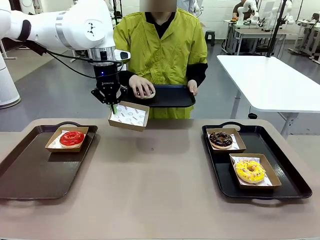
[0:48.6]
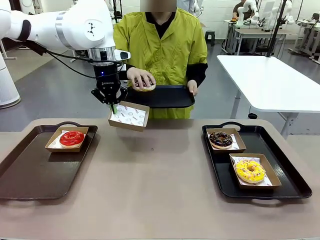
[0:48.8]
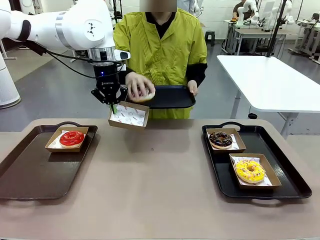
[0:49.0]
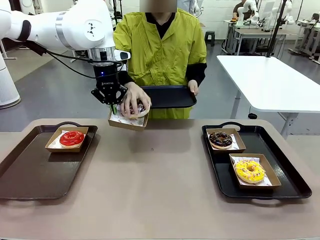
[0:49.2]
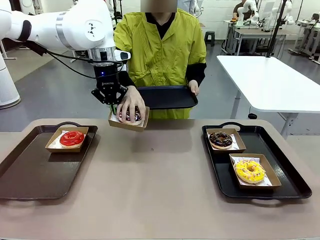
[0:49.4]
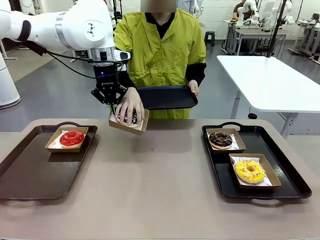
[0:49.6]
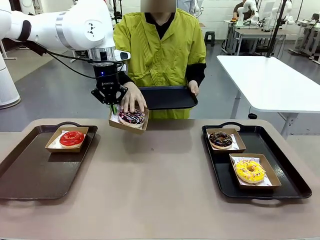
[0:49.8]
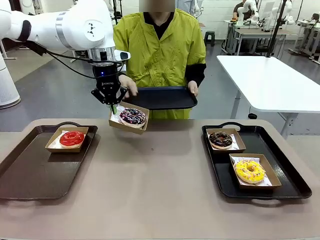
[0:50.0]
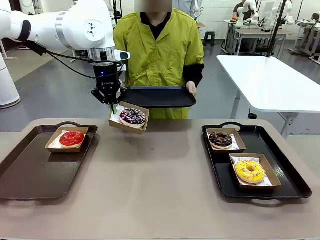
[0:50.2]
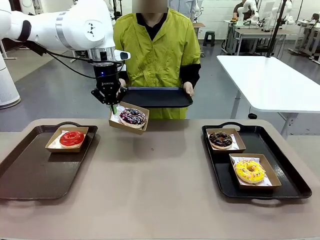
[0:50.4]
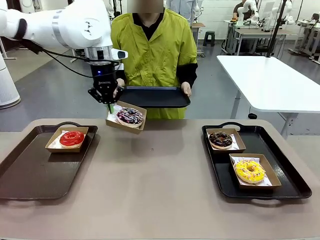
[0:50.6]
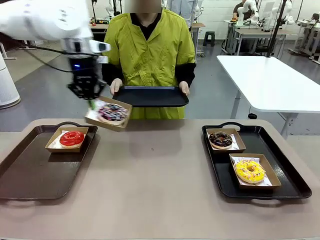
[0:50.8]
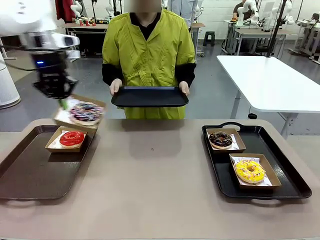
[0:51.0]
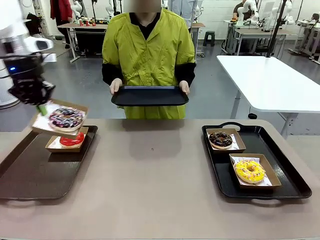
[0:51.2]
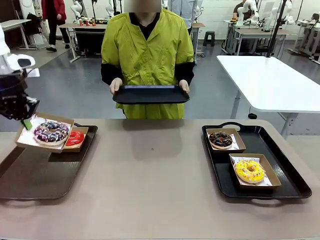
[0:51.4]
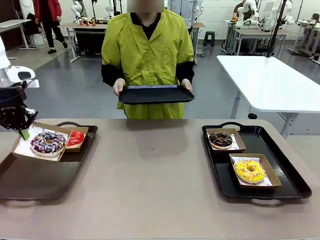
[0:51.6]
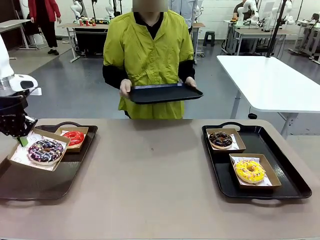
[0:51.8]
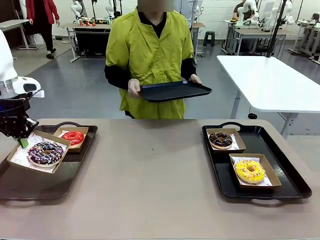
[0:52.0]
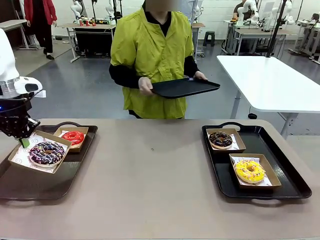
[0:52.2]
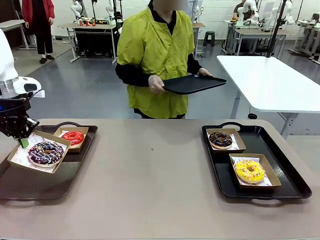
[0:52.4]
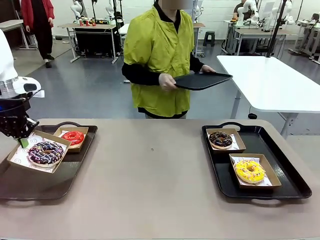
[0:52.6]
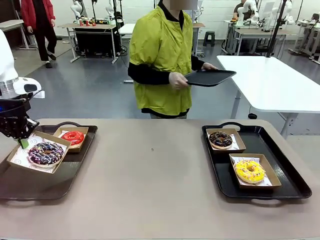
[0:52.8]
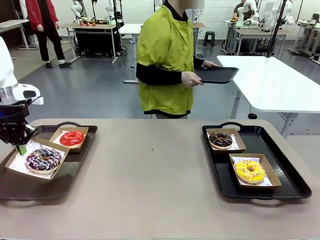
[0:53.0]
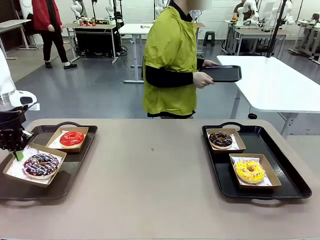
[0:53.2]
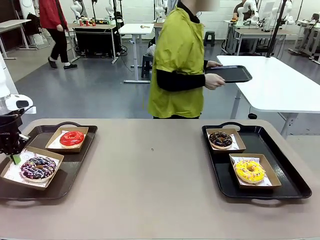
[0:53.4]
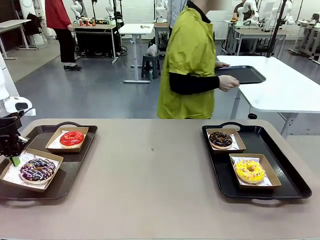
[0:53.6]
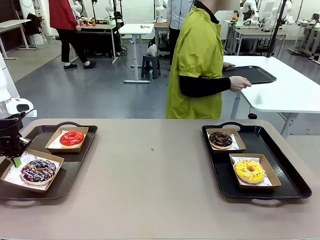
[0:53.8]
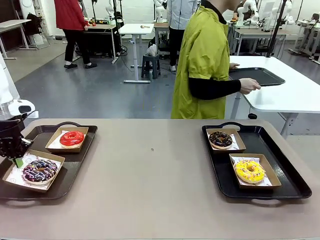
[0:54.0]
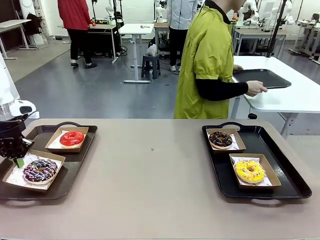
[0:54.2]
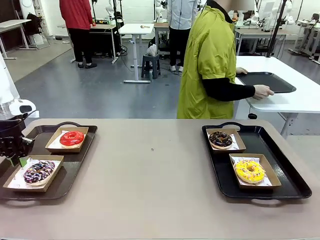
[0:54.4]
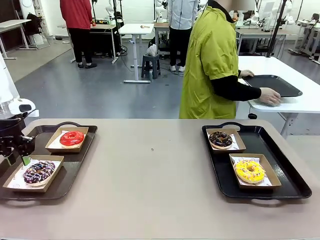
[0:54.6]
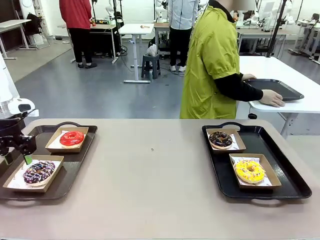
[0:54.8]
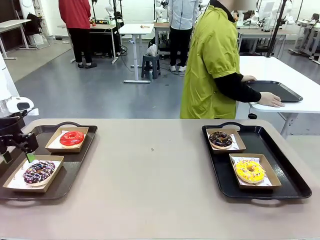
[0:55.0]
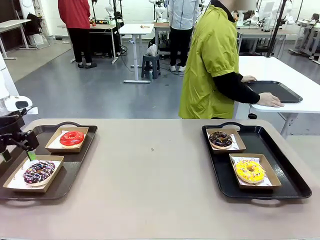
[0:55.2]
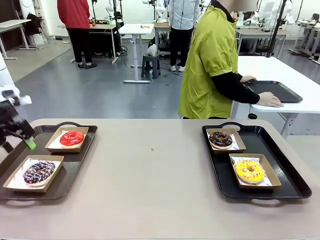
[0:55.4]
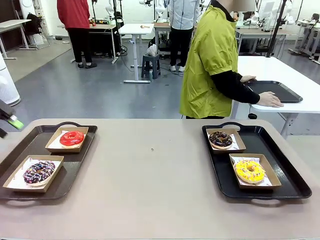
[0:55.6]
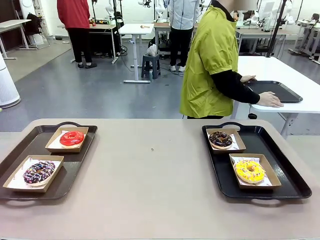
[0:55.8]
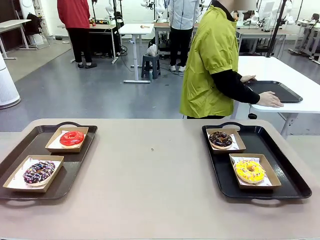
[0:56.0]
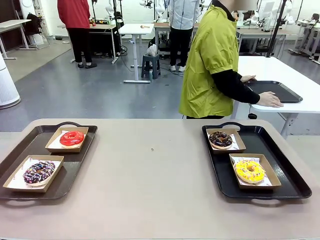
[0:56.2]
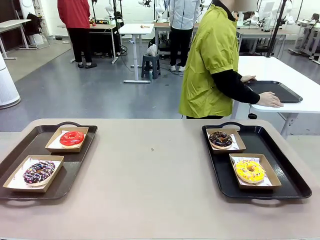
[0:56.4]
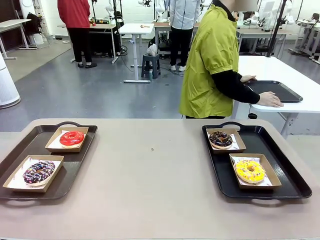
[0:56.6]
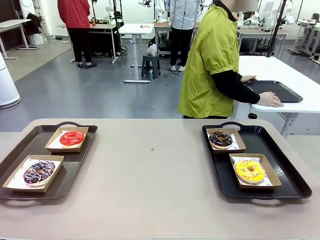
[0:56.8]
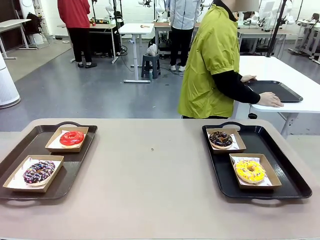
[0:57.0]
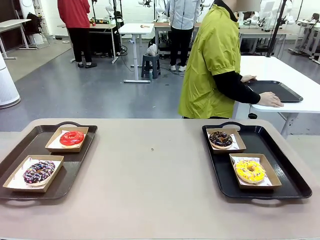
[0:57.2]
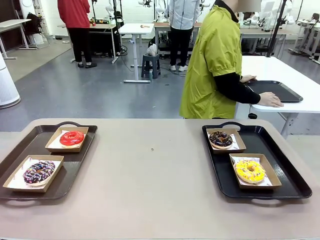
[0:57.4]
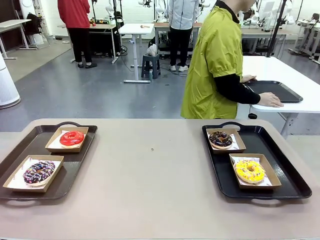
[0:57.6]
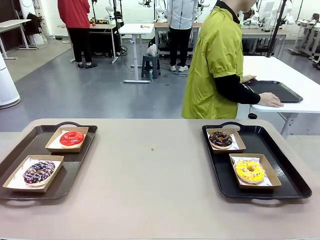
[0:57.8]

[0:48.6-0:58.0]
Task: Individually package the donuts and arrange them on the tray.
Robot: Place the picked Paper togo box on the Handle tray.
Person: Place the tray down in the middle of the human table.

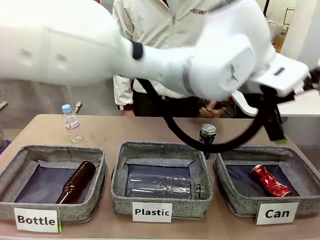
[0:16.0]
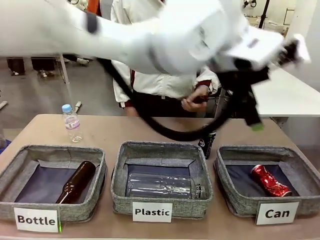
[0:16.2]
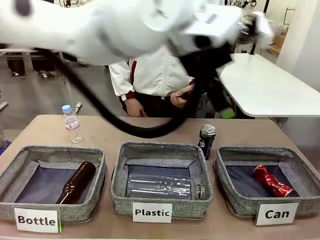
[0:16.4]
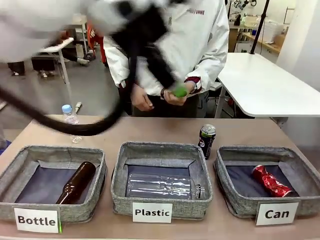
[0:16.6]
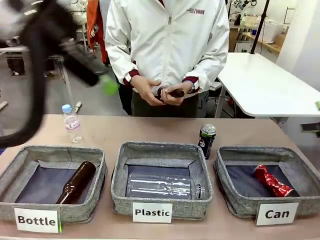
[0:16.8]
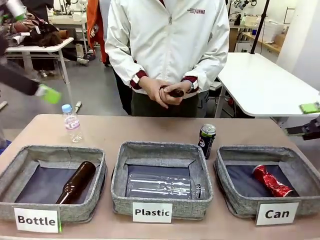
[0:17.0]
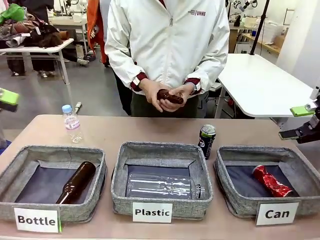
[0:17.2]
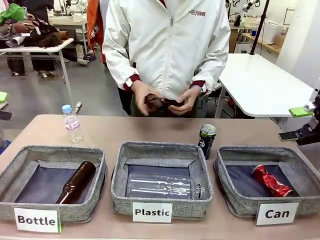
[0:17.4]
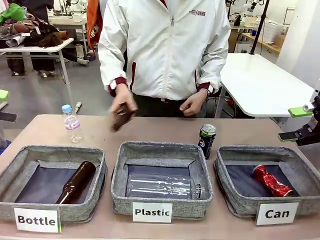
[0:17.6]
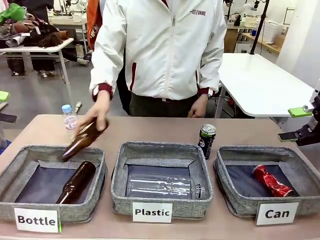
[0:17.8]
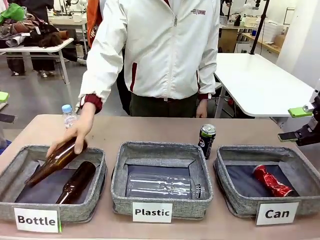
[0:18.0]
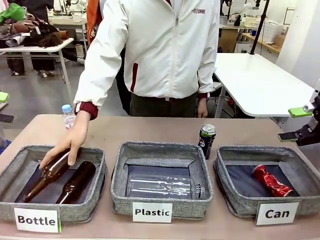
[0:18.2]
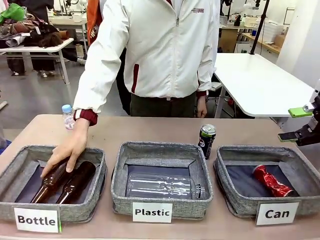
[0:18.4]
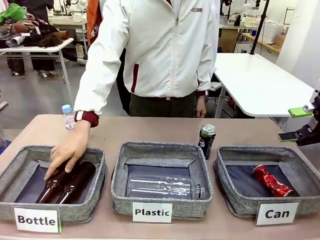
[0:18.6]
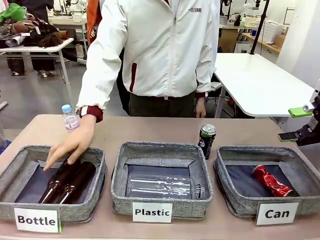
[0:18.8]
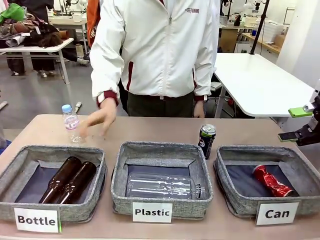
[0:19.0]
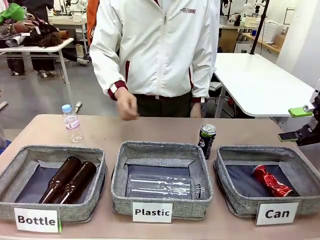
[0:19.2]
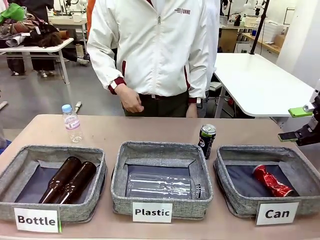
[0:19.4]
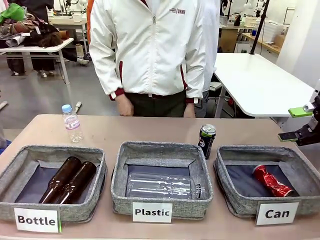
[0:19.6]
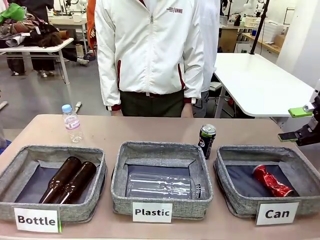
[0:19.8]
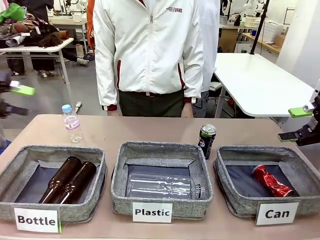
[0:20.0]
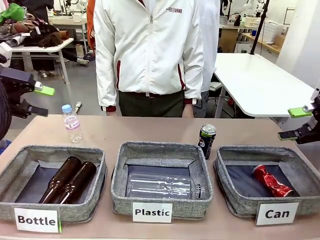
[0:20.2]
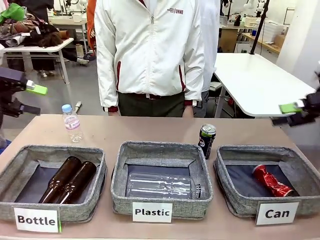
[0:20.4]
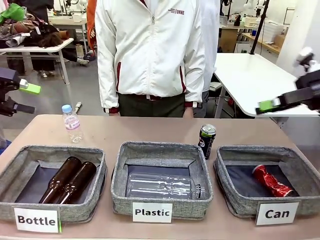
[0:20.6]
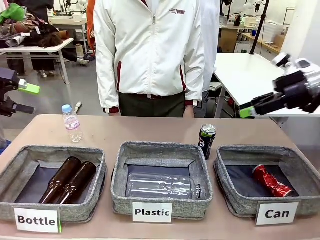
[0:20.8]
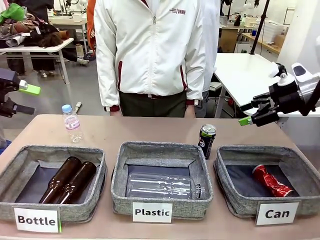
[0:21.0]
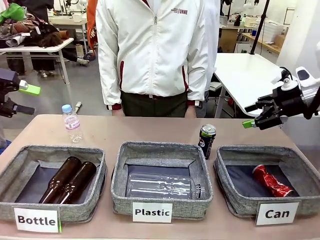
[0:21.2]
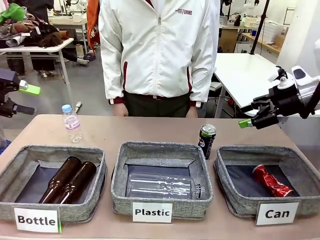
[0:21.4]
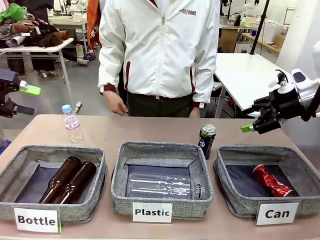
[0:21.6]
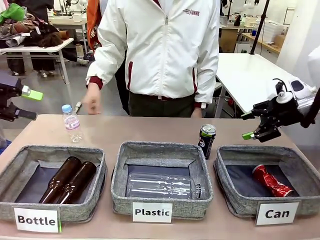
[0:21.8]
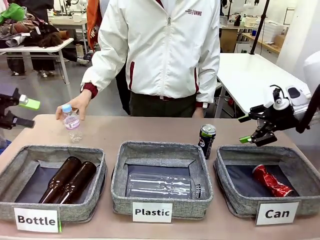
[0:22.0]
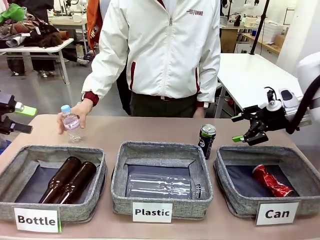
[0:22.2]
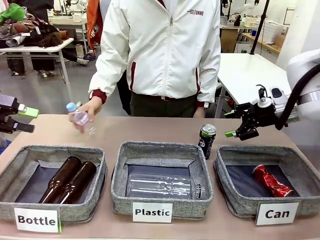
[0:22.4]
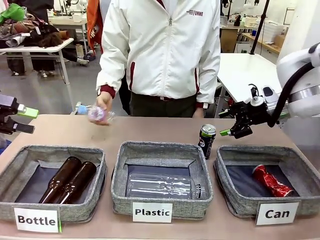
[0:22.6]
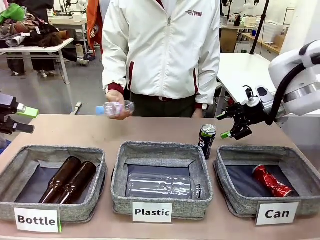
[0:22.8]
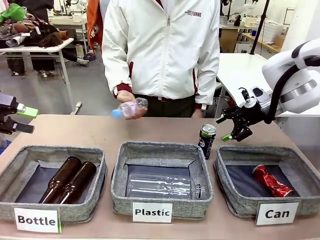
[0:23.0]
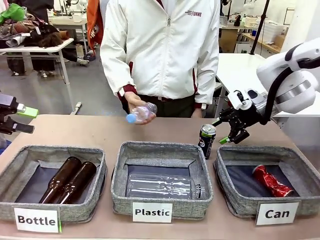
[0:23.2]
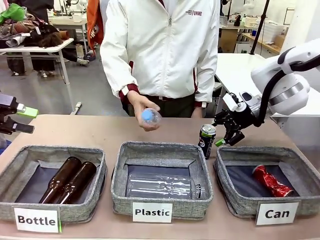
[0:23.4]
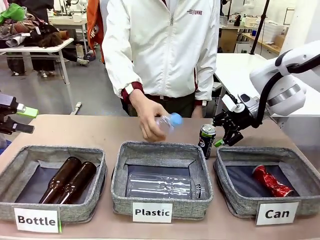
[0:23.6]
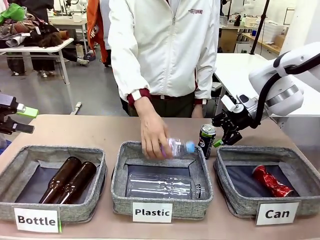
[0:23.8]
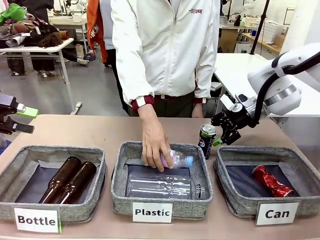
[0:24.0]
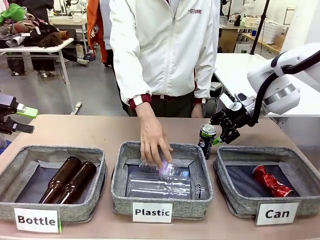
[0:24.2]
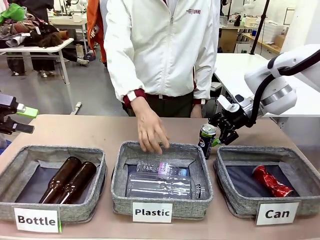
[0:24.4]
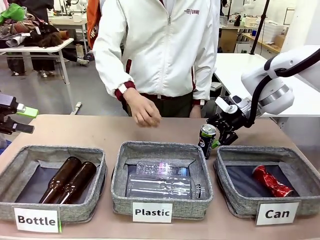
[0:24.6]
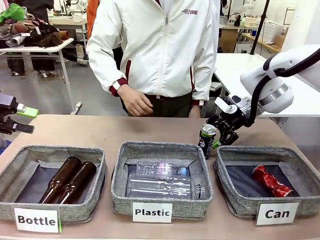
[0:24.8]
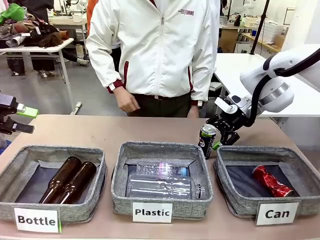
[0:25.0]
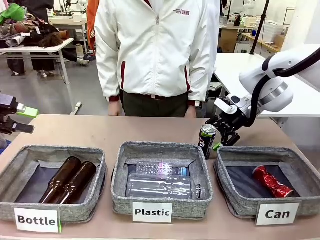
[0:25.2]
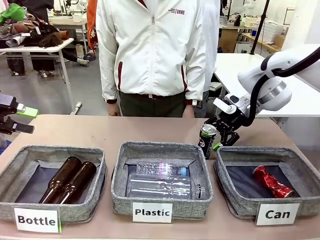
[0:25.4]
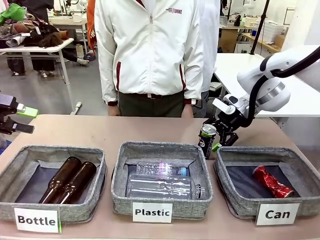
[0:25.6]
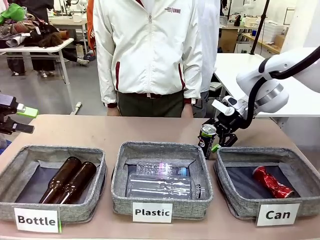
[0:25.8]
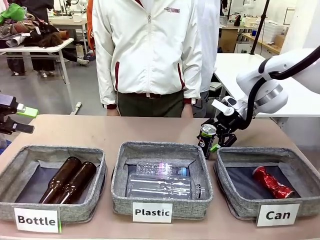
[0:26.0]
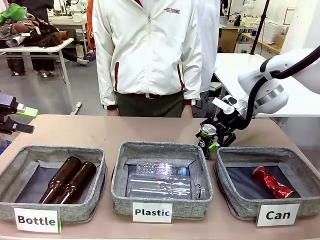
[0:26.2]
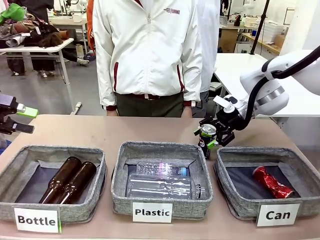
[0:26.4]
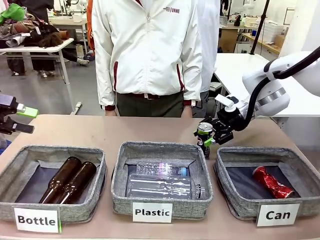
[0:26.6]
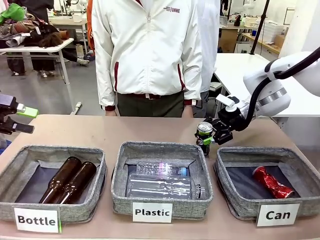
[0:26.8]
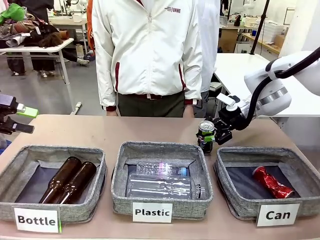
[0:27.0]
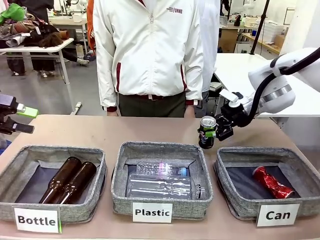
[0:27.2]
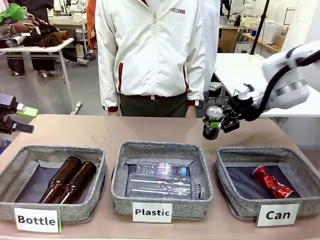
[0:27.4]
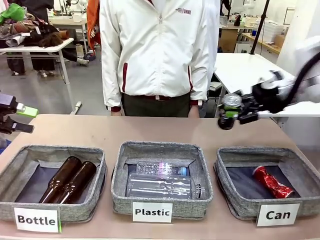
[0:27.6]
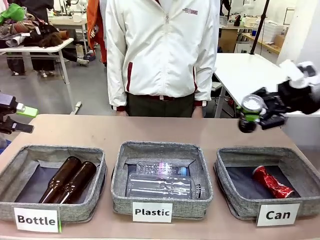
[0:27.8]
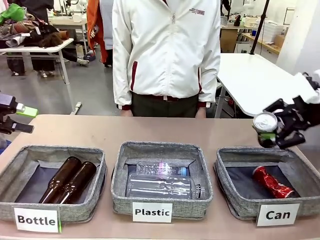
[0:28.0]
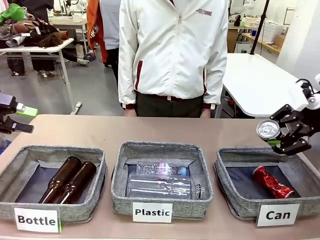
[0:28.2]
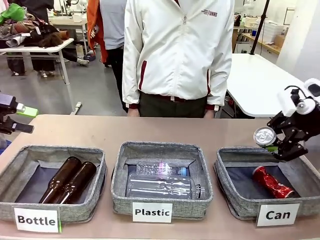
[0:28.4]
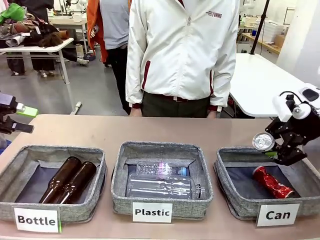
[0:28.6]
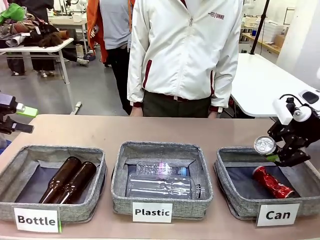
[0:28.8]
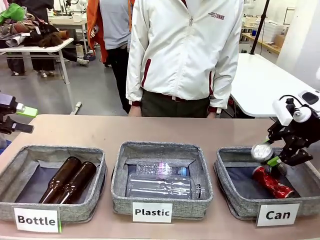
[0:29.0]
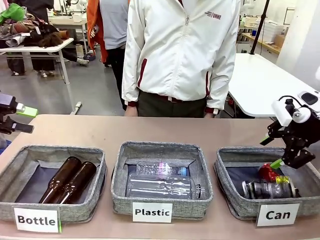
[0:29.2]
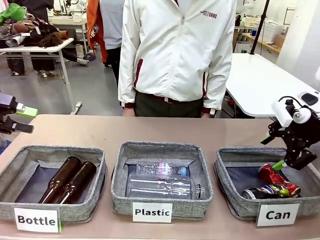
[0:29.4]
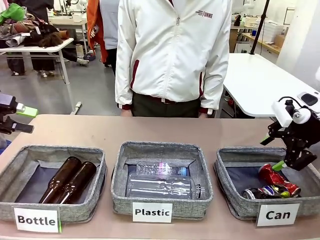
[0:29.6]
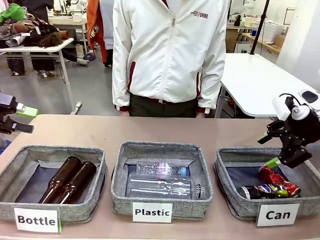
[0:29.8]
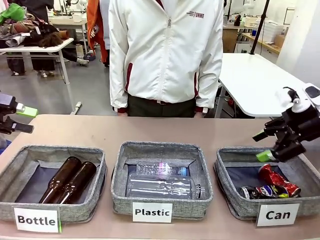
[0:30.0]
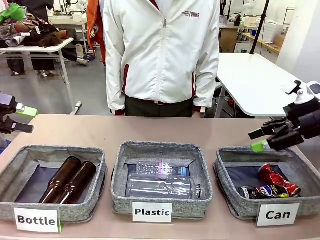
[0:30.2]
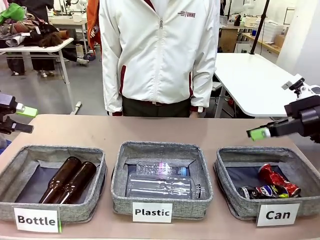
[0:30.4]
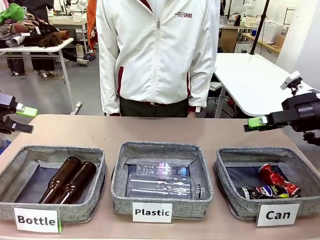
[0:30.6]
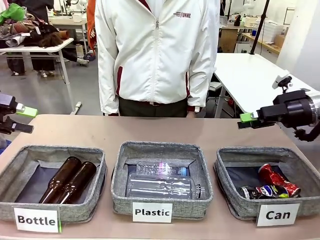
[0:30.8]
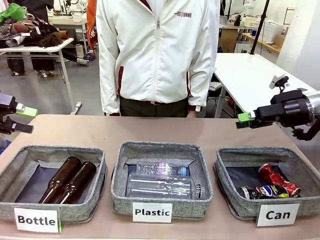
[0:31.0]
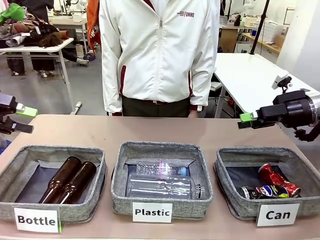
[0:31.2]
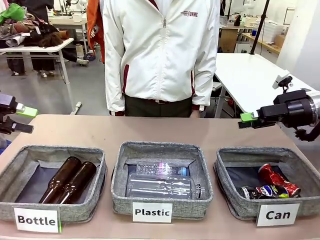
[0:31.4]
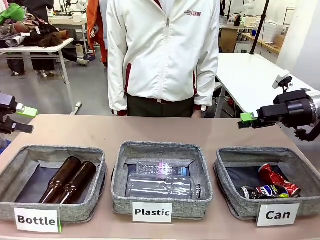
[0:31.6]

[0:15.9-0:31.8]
Task: Sort the can waste into the basket.
Robot: Pick up the can waste from the table and place it in the right Fabric basket.
